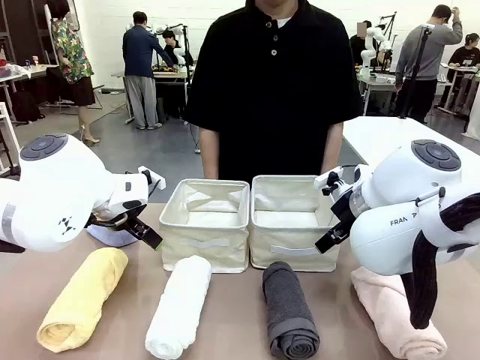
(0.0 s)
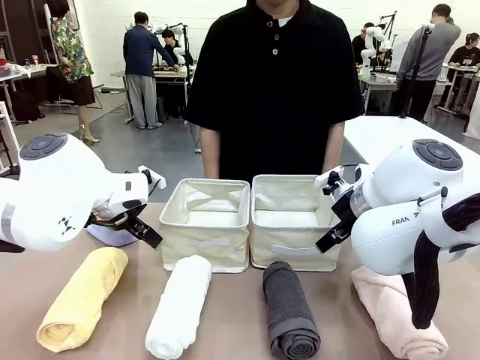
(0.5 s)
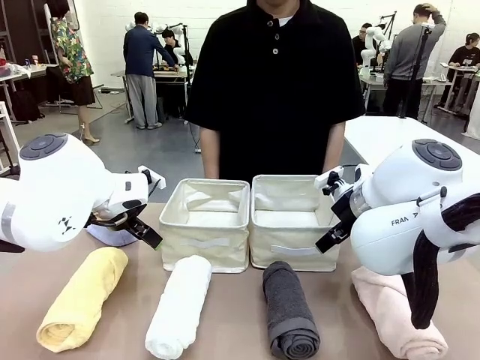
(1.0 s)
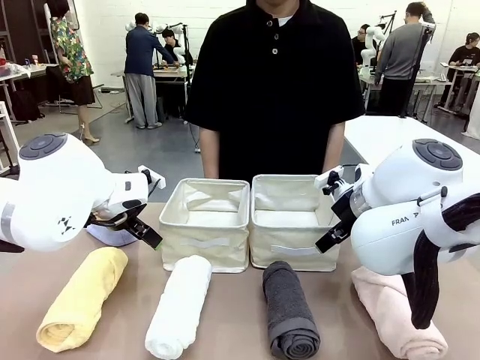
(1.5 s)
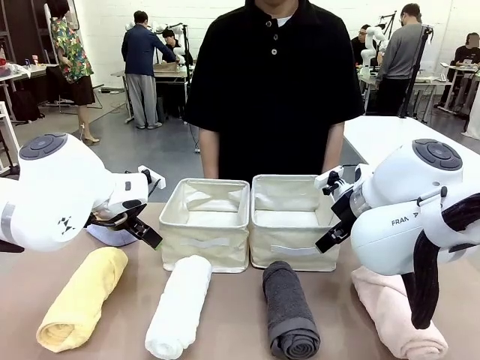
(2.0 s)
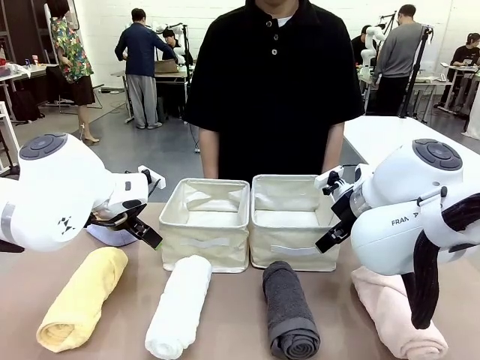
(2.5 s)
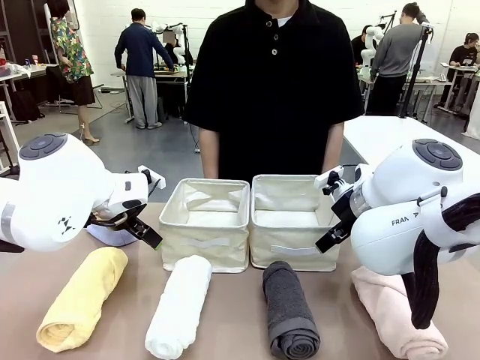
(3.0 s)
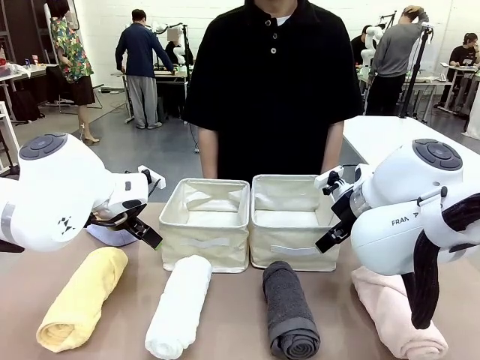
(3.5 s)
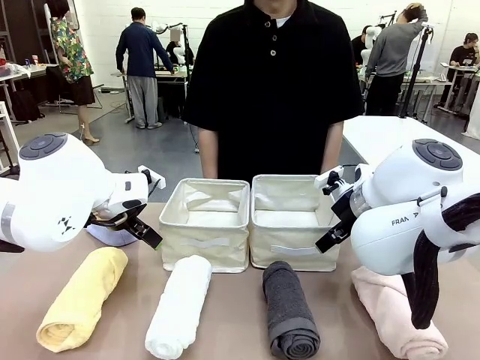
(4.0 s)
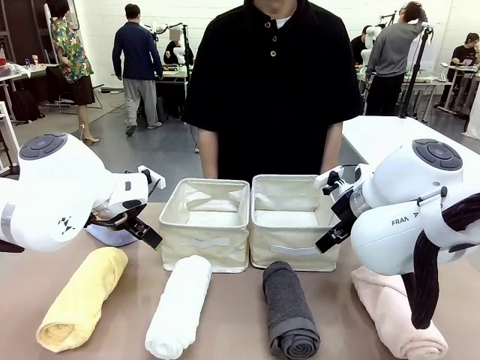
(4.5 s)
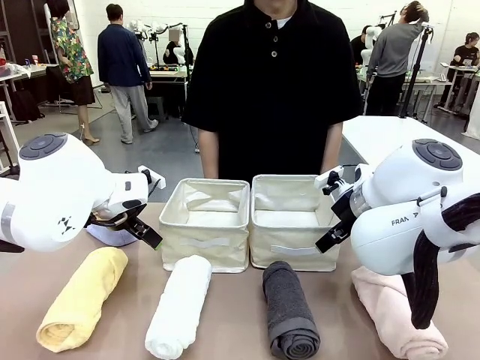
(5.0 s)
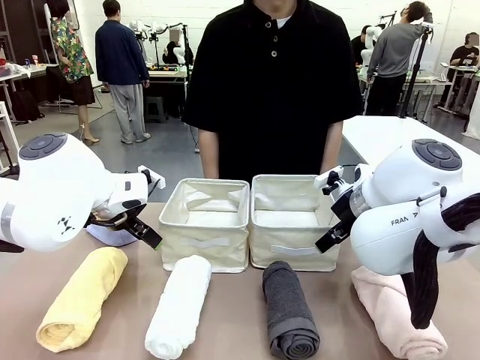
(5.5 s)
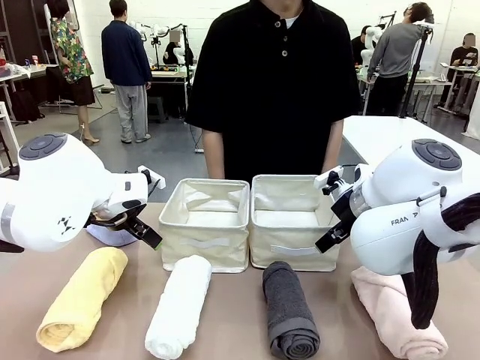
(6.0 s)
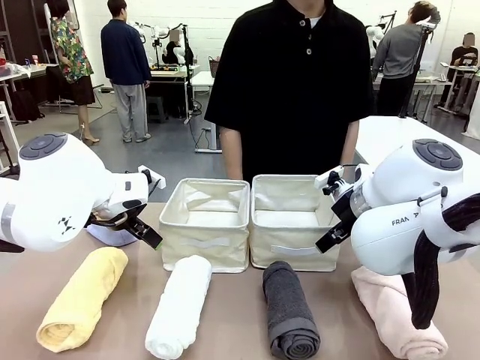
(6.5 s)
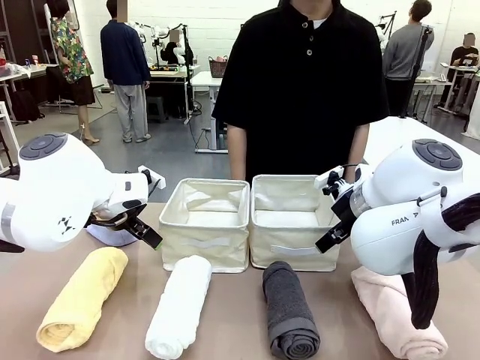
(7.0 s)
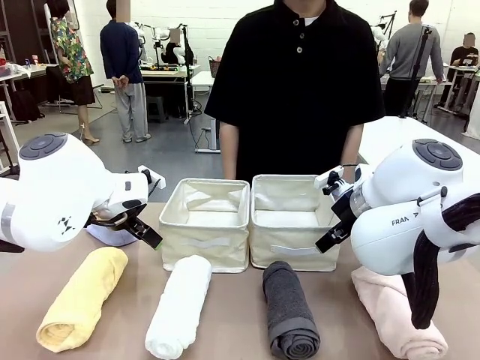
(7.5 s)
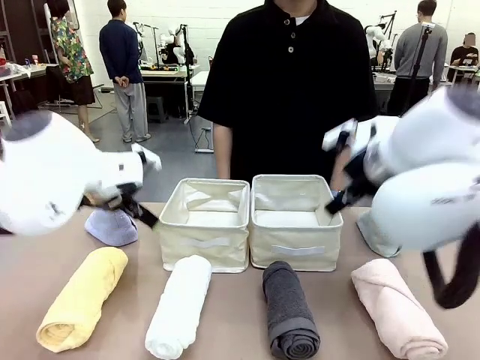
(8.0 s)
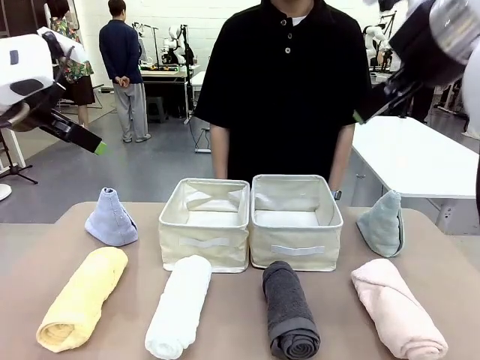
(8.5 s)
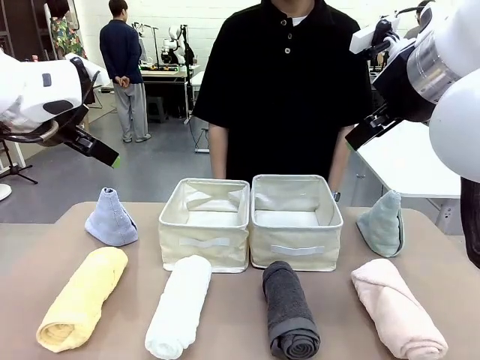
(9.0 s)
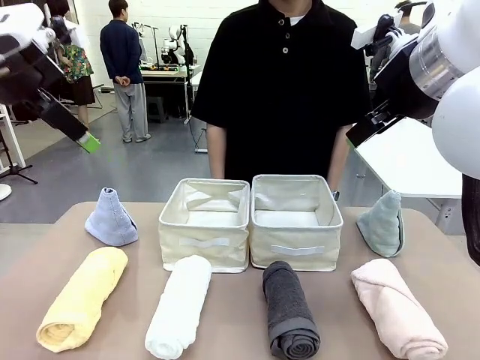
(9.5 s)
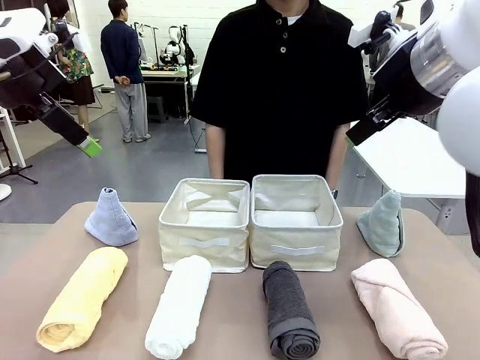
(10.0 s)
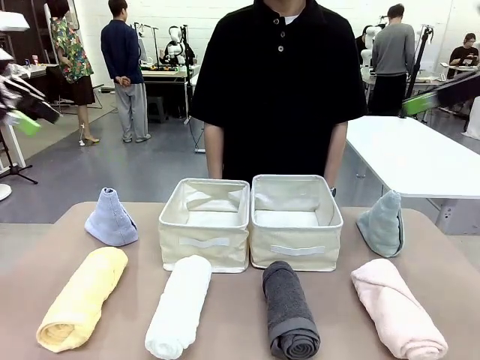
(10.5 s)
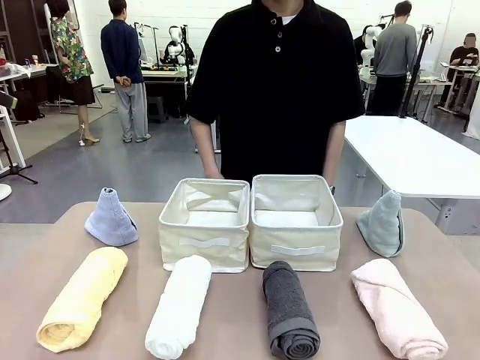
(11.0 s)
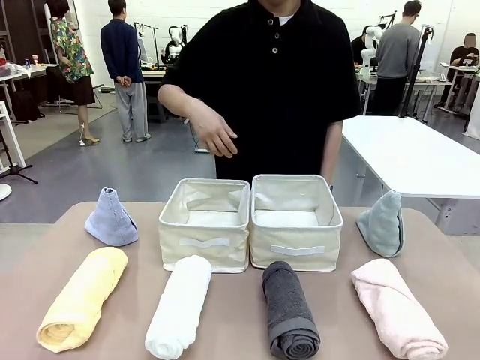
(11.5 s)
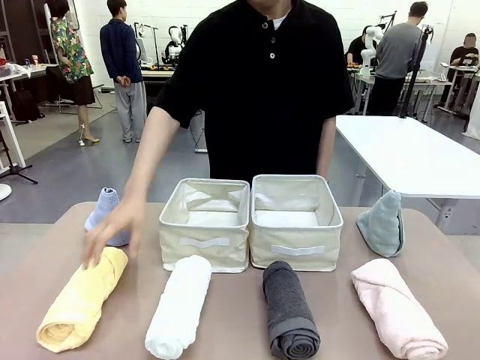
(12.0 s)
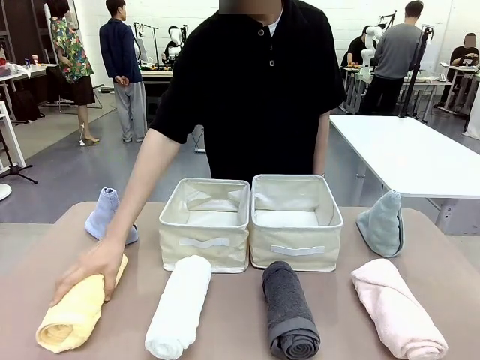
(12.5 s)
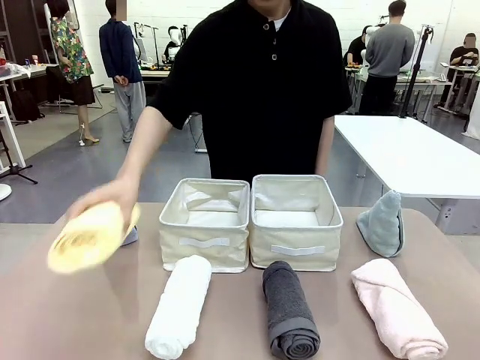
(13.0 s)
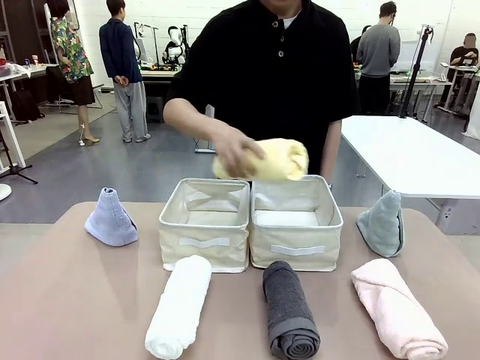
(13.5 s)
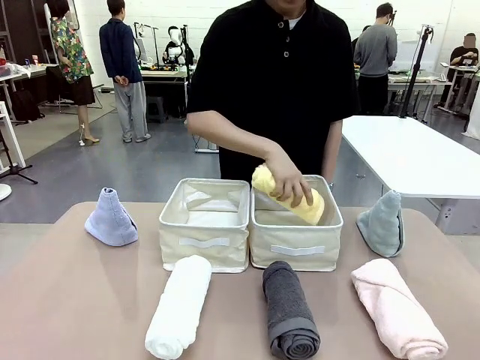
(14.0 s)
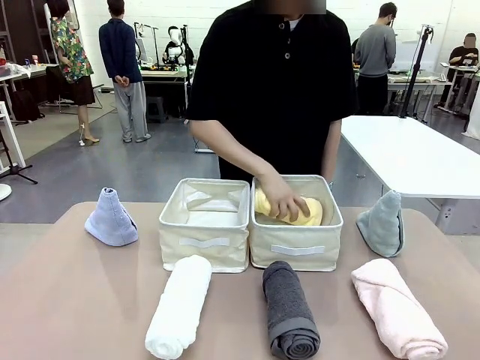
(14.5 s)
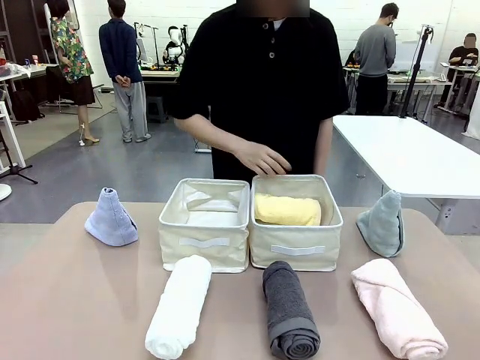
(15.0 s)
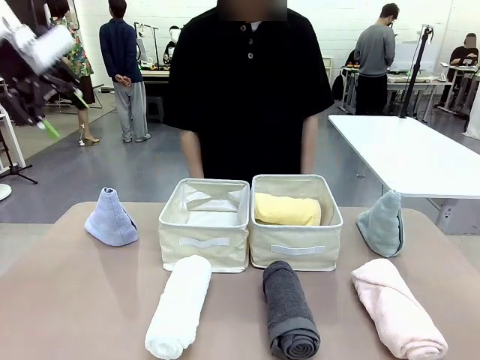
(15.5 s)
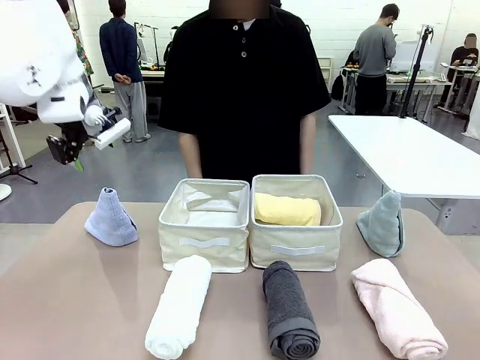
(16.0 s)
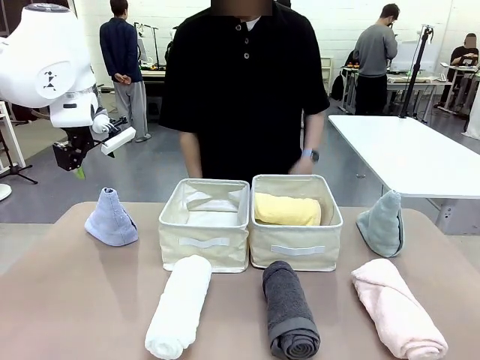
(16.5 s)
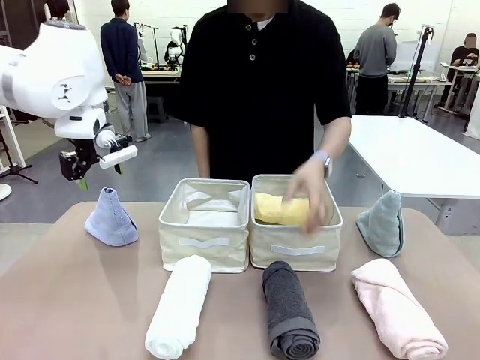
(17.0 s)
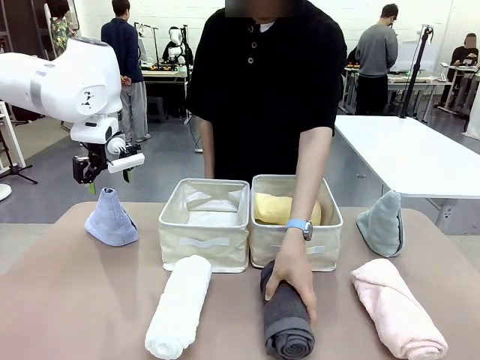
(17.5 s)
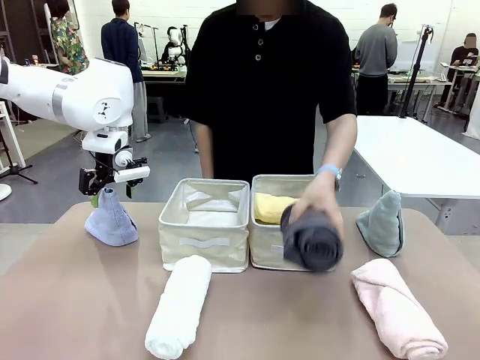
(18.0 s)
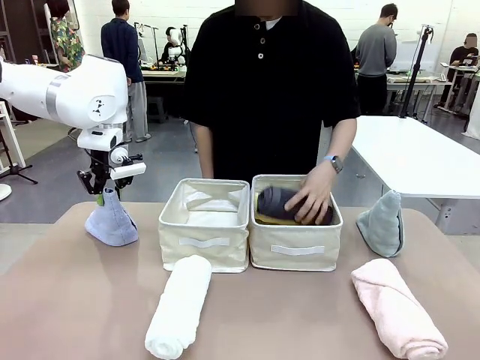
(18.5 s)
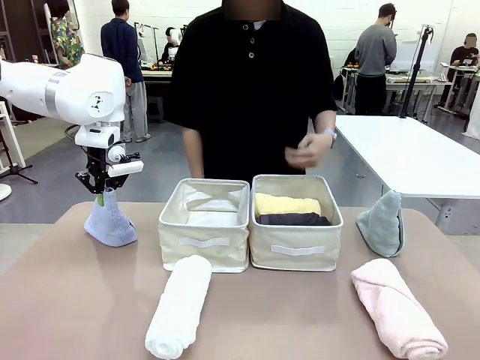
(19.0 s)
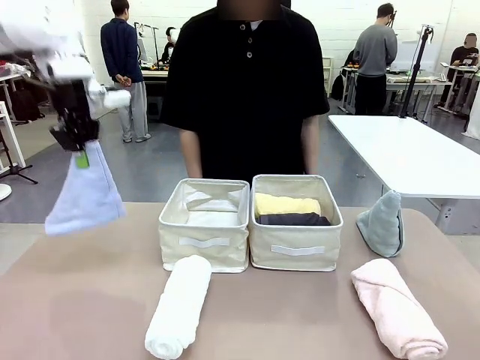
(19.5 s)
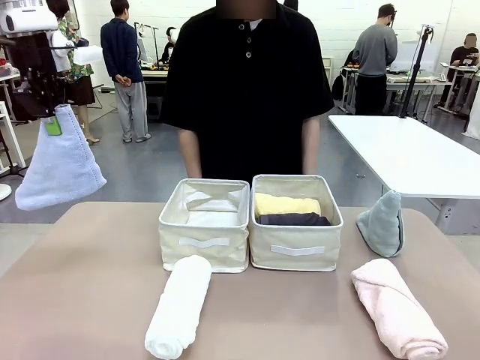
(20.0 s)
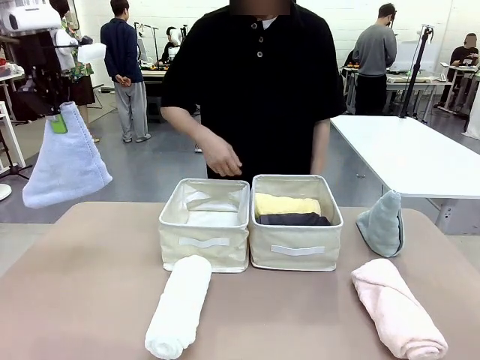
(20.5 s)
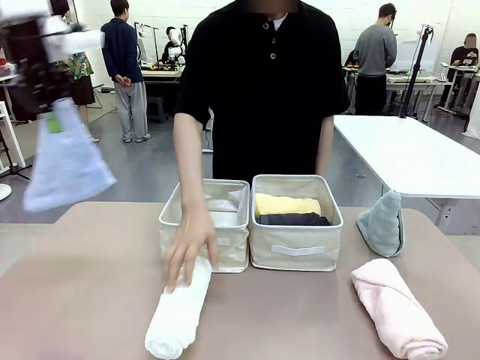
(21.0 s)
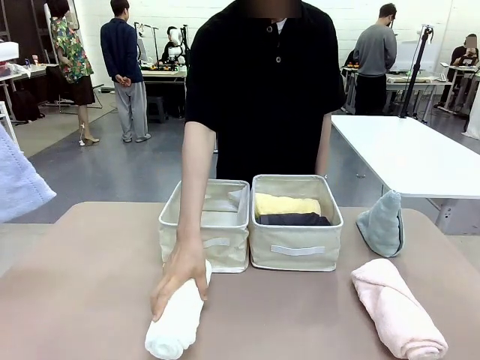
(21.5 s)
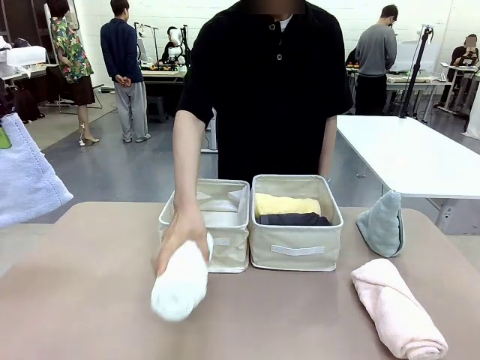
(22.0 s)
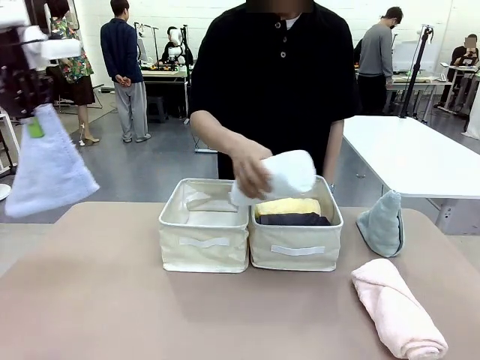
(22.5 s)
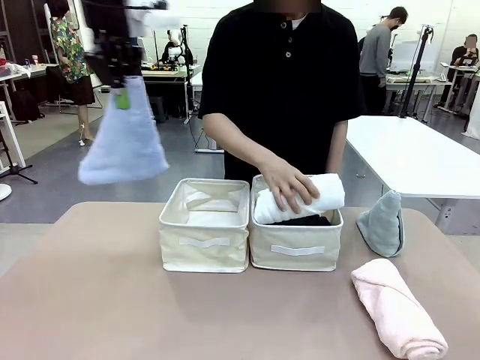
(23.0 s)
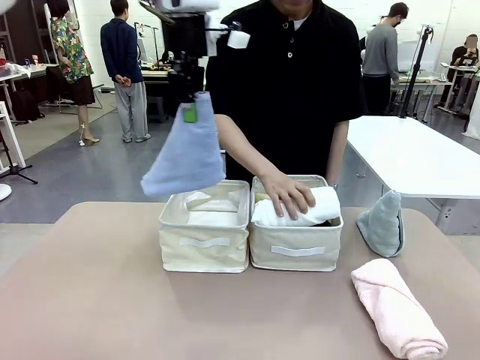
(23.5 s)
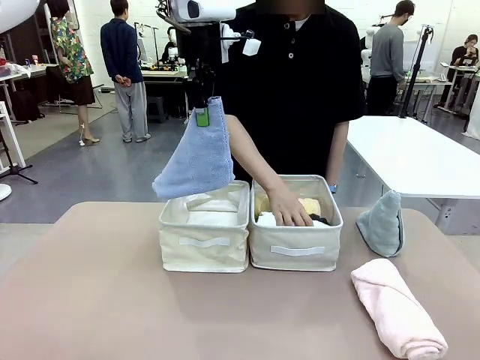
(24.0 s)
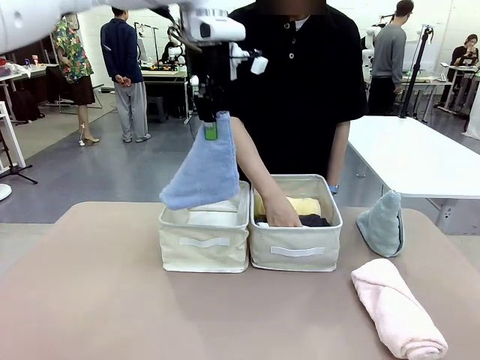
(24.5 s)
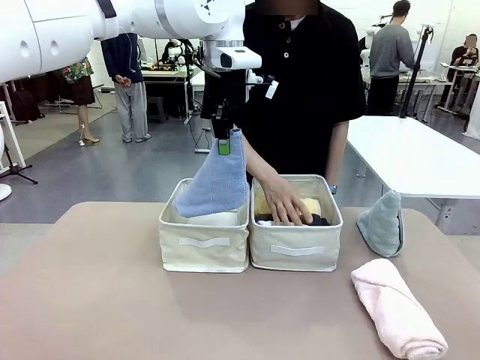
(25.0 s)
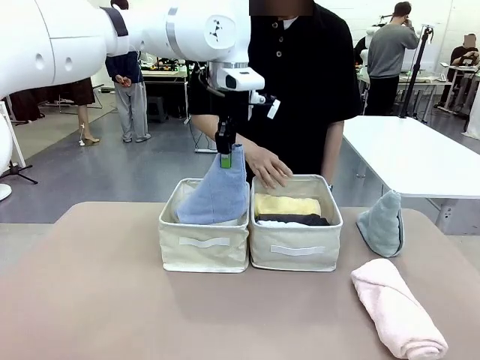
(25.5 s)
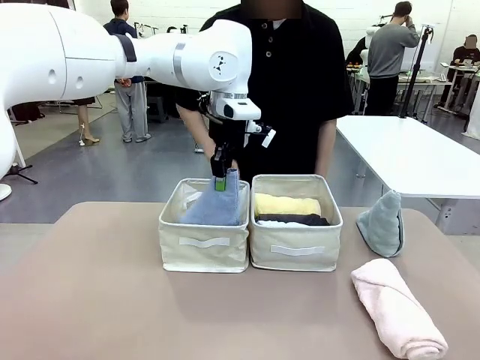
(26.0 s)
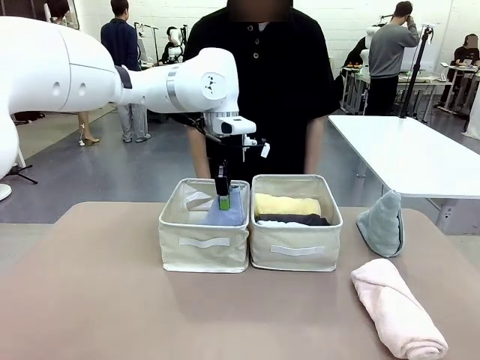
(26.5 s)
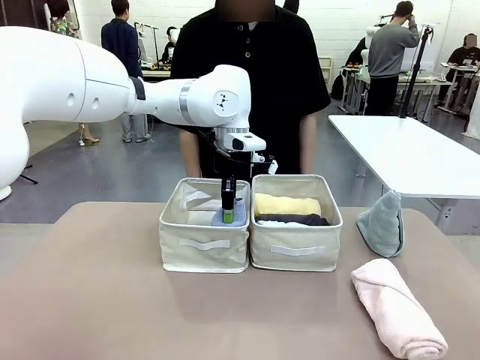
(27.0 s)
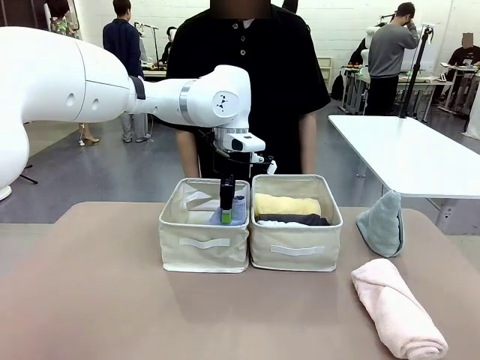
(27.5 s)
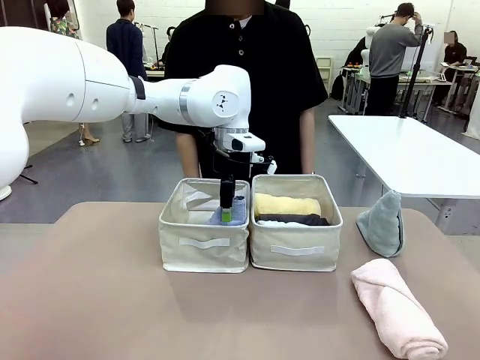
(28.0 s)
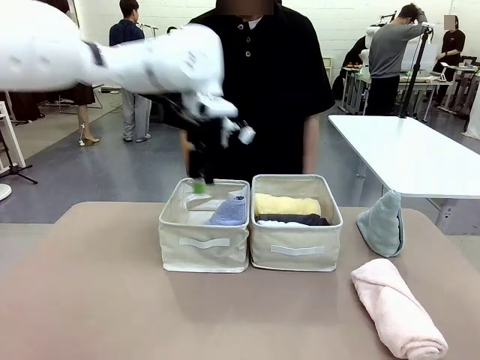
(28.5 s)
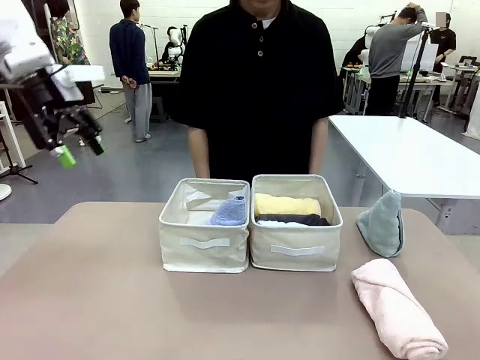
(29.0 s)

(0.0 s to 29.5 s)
Task: Sort the towels based on their folding style.
Robot: Pick up one triangle-folded towel and place it in the left Fabric basket.
Person: Pick up one hotel-style rolled towel and place it in the left fabric basket.
